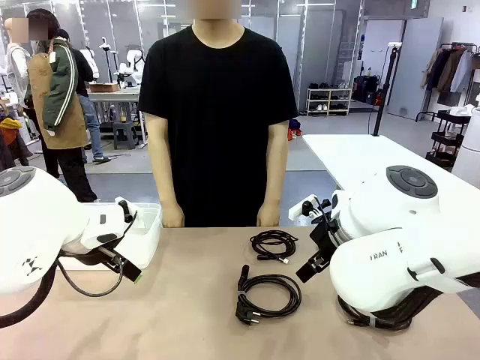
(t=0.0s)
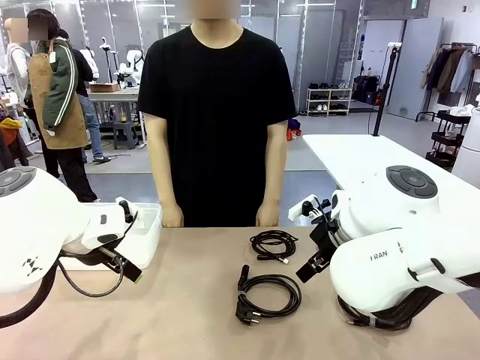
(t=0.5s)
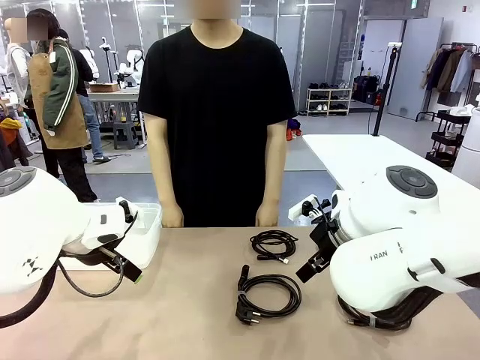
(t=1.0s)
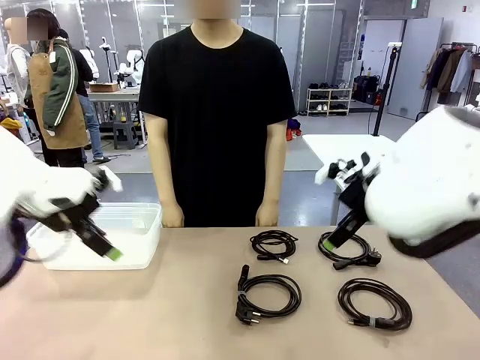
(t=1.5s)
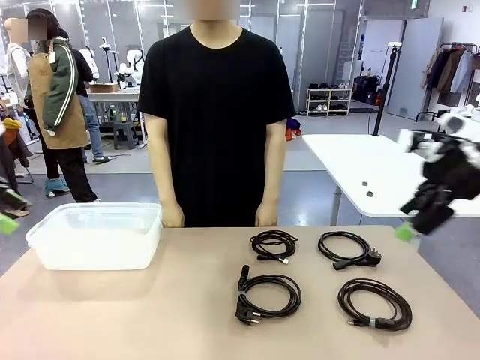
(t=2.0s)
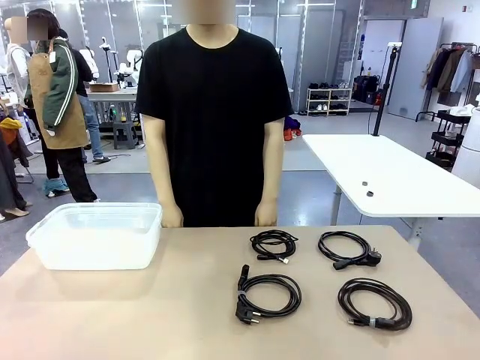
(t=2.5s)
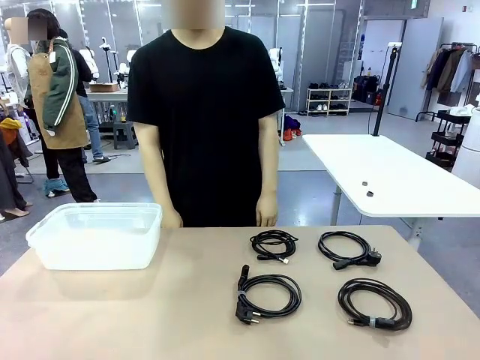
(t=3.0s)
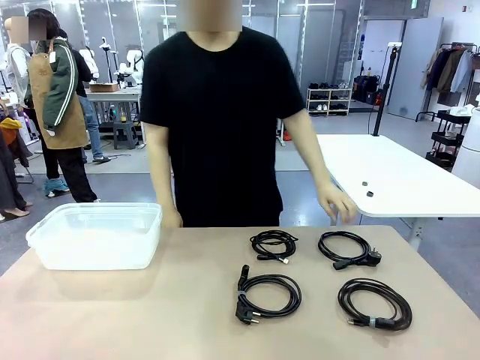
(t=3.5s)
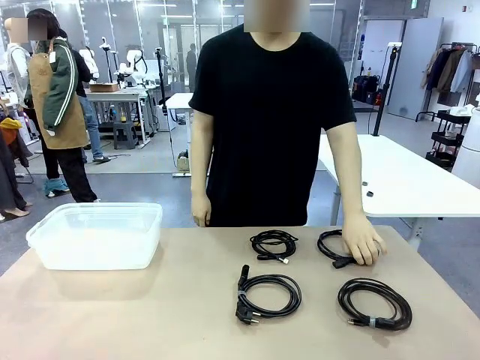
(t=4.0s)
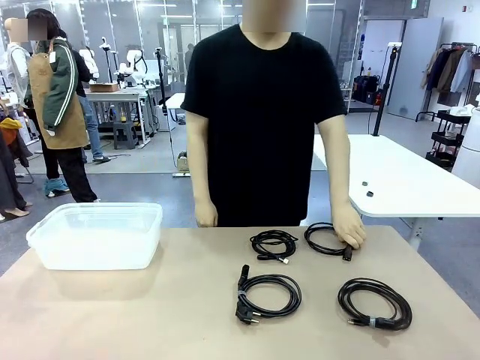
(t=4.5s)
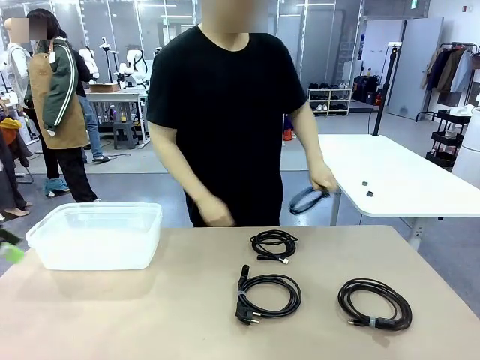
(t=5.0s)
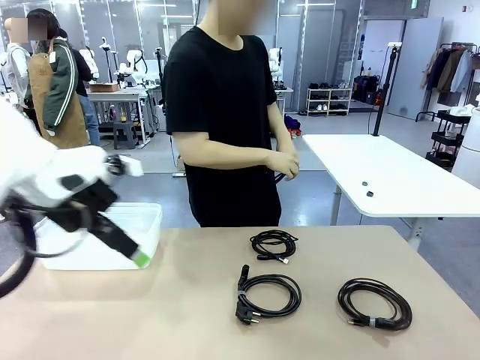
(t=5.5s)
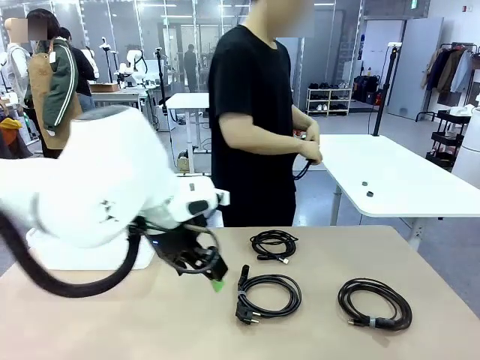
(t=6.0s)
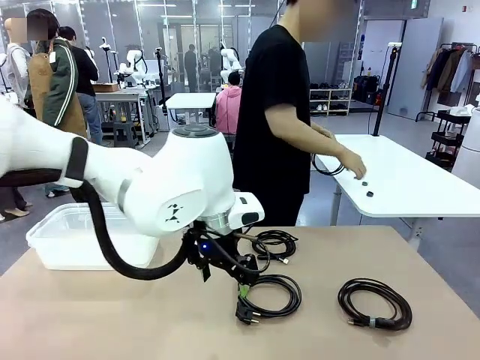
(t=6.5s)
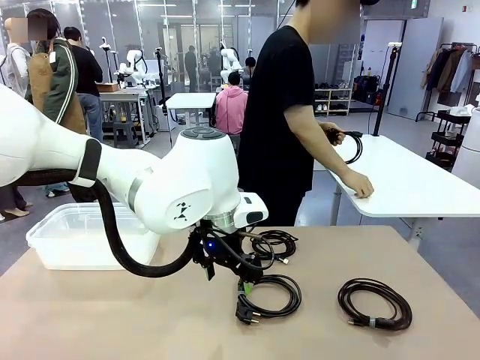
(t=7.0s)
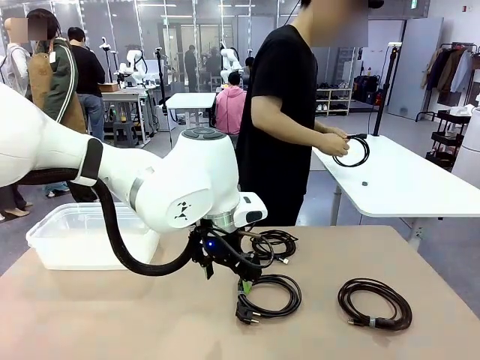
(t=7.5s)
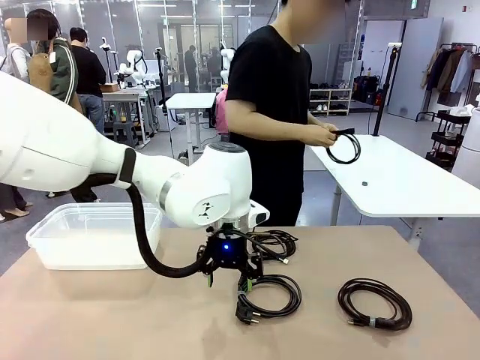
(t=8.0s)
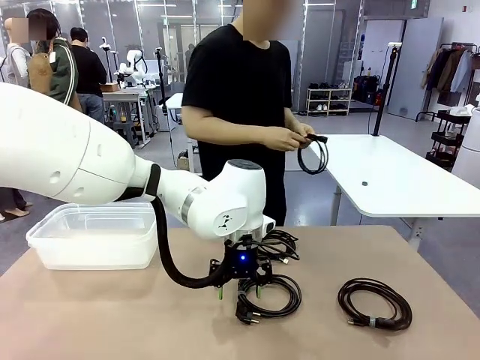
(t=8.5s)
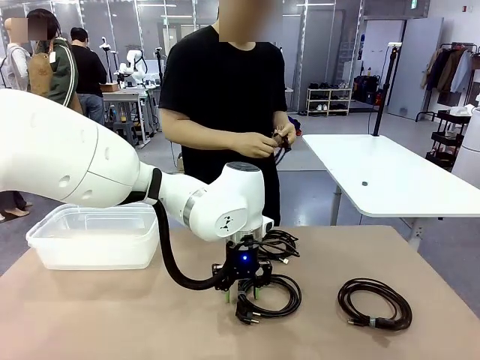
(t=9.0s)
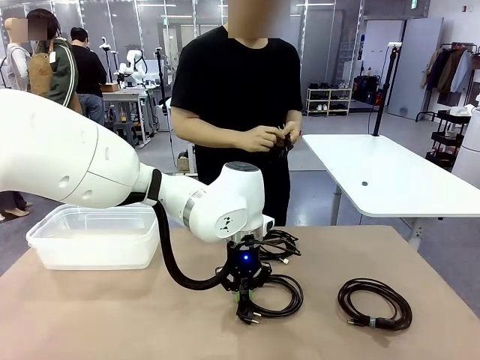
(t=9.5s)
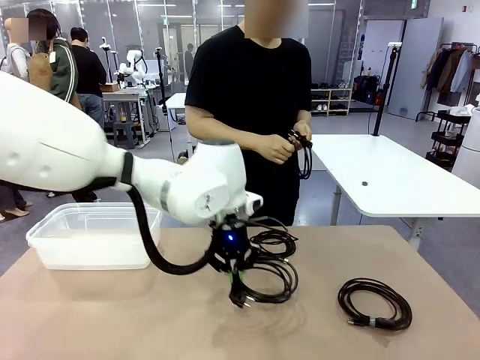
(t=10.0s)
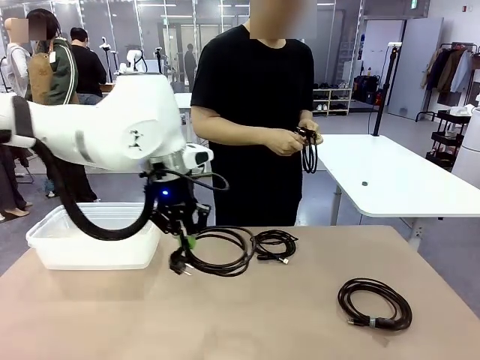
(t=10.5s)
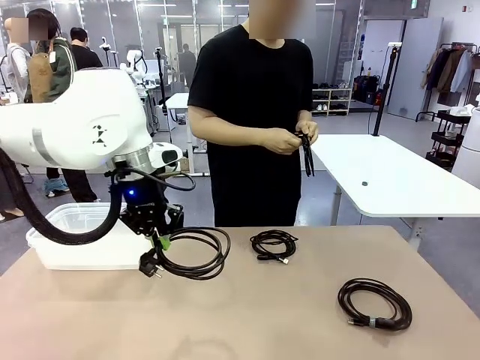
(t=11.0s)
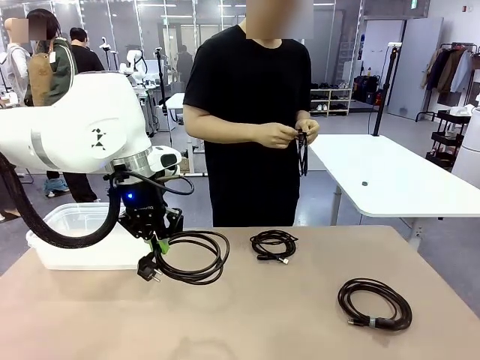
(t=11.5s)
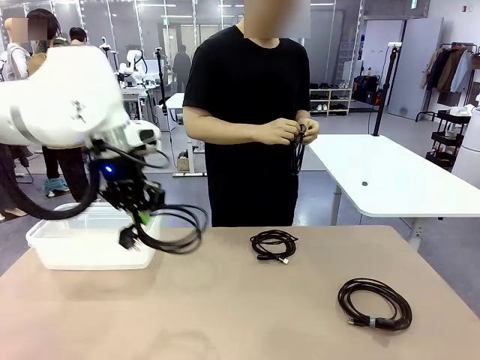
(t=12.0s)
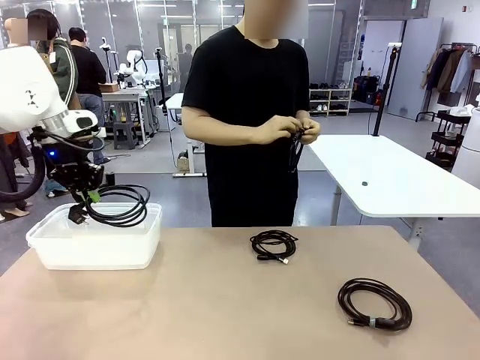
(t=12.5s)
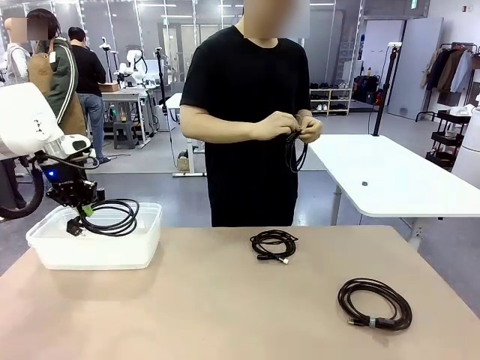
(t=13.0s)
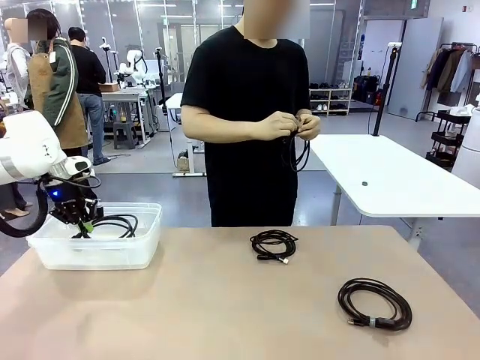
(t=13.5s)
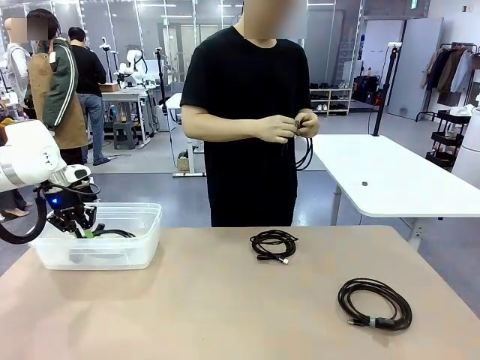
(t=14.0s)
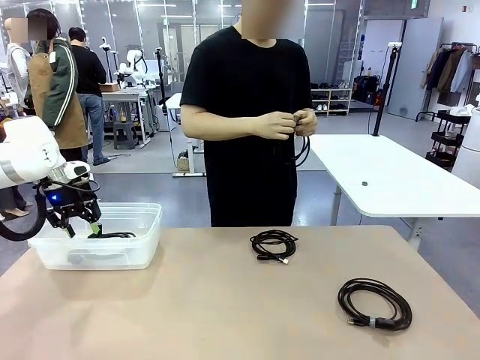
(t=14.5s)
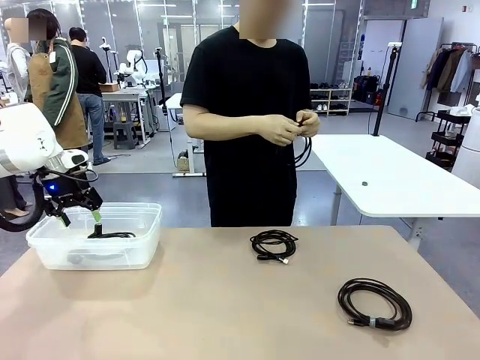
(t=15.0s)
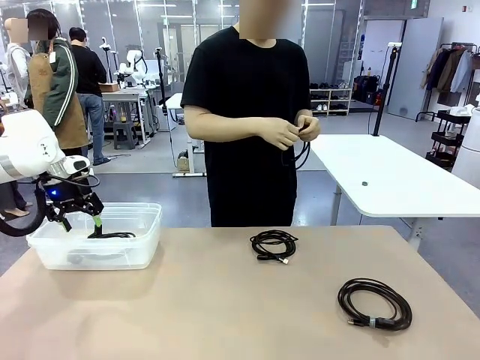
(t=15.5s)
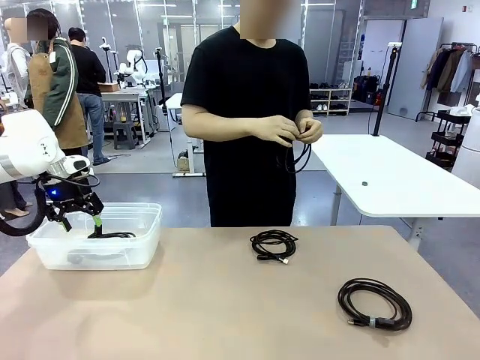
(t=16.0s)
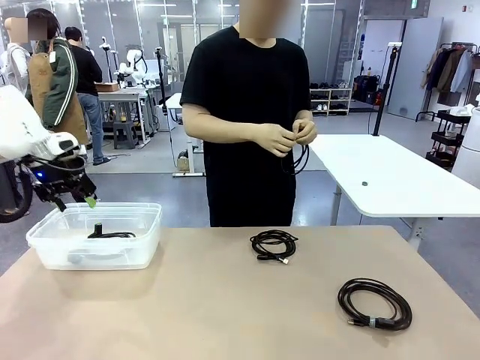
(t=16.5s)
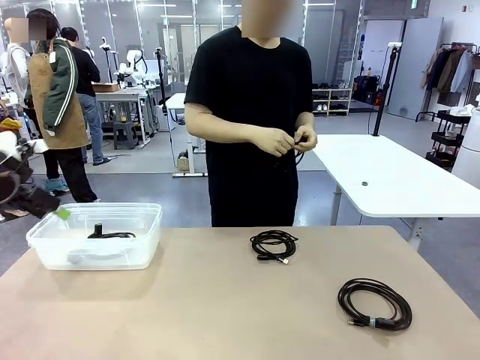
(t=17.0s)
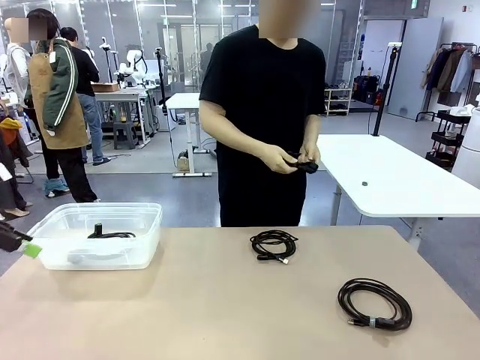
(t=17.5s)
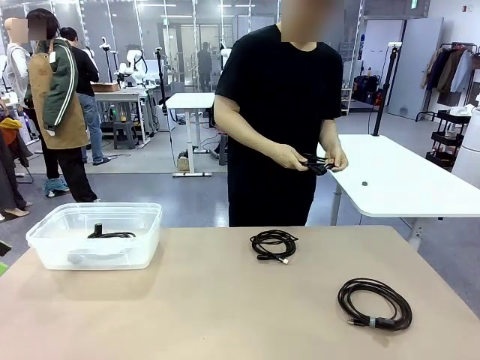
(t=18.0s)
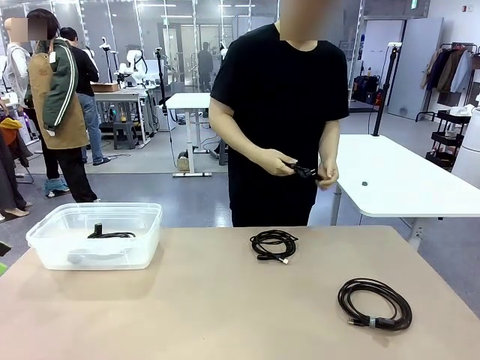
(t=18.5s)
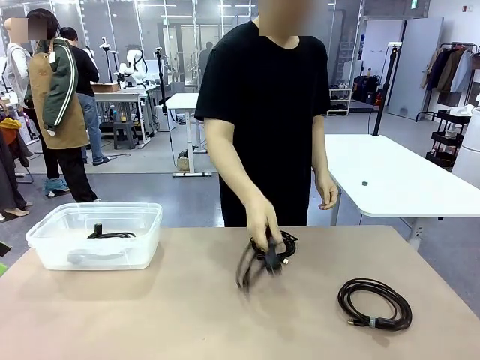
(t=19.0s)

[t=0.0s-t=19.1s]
Task: Organize and store the cables.
Robot: Place the Power Cable into the Organizing box.
Person: Tie one Power Cable with a Reusable Cable Tie.

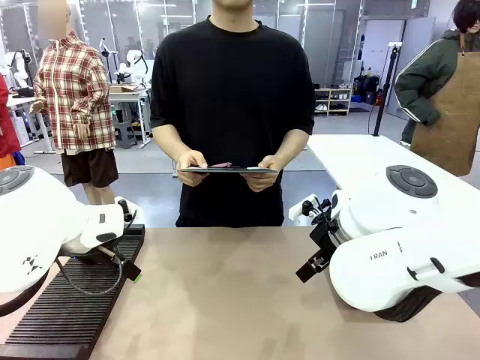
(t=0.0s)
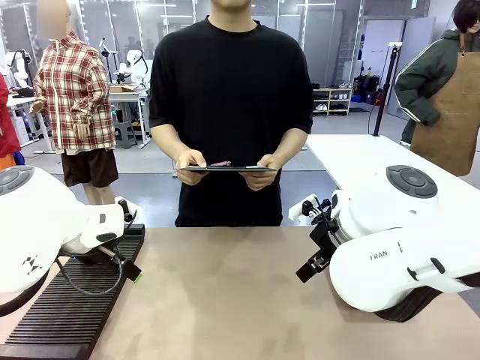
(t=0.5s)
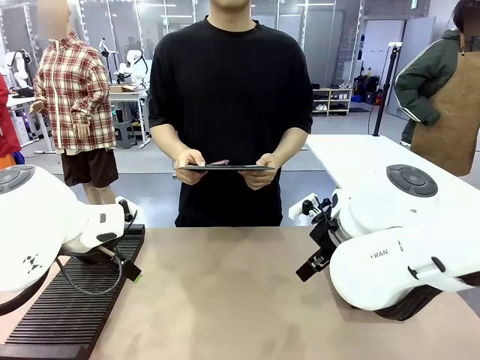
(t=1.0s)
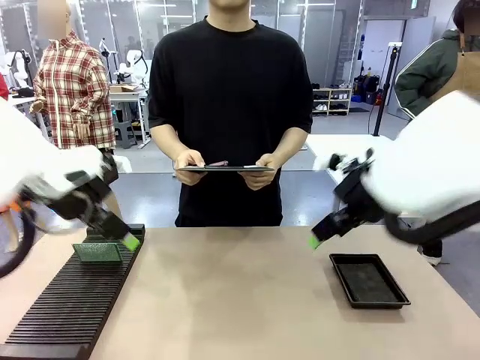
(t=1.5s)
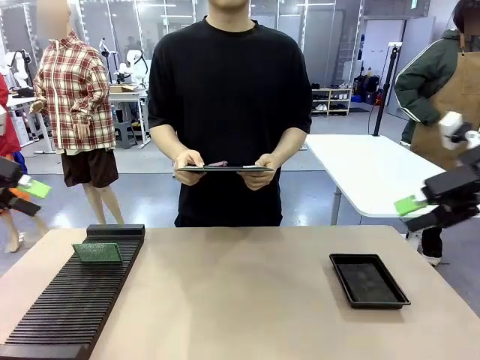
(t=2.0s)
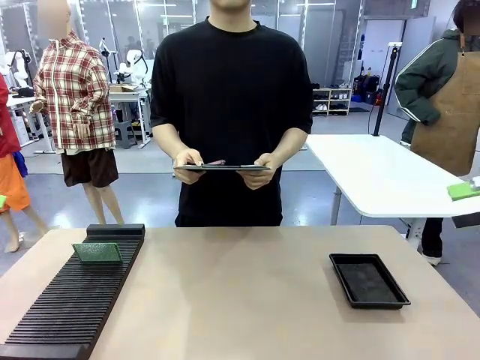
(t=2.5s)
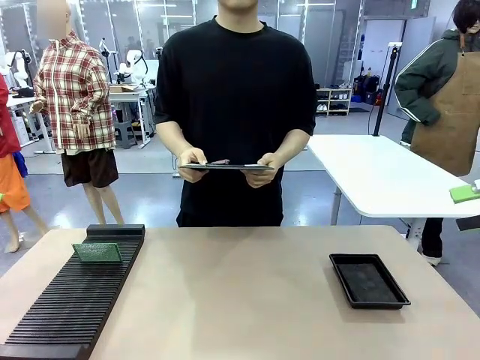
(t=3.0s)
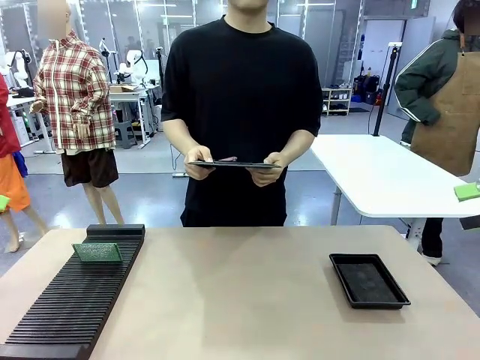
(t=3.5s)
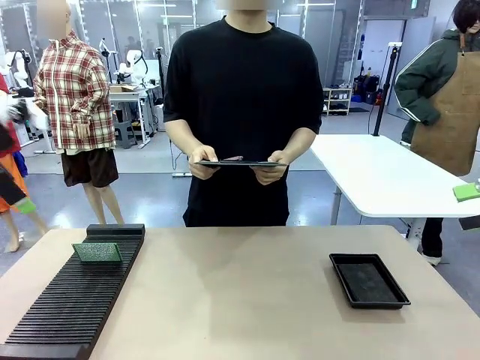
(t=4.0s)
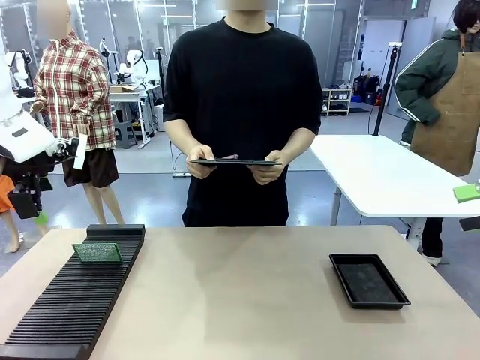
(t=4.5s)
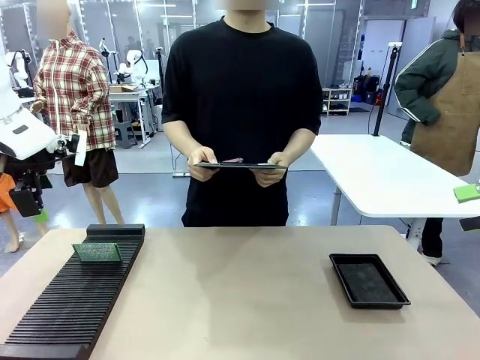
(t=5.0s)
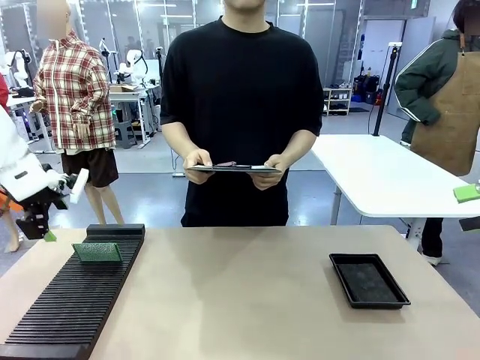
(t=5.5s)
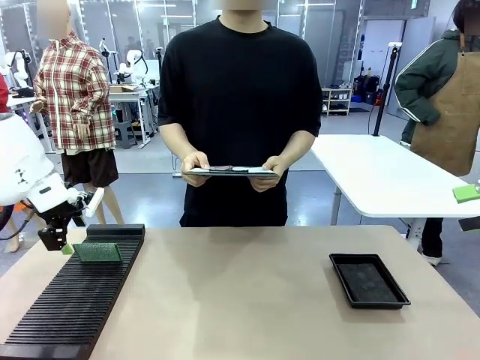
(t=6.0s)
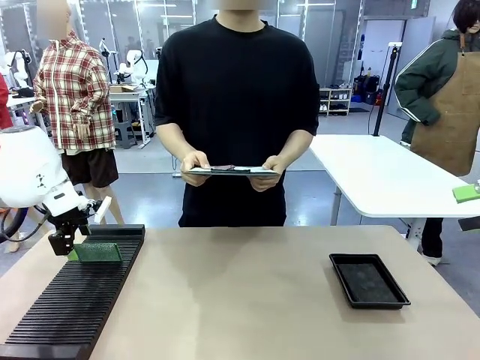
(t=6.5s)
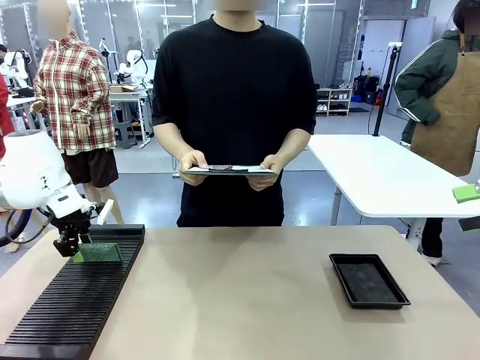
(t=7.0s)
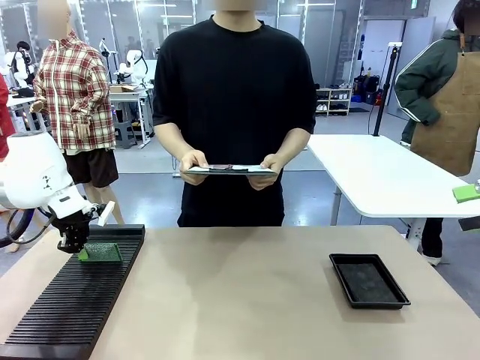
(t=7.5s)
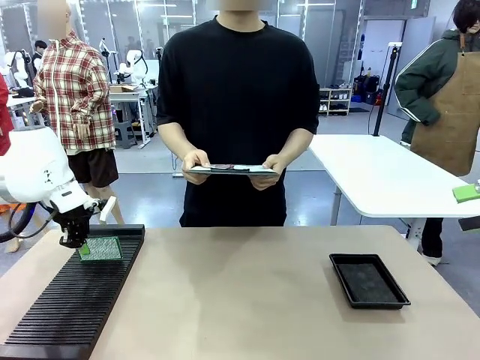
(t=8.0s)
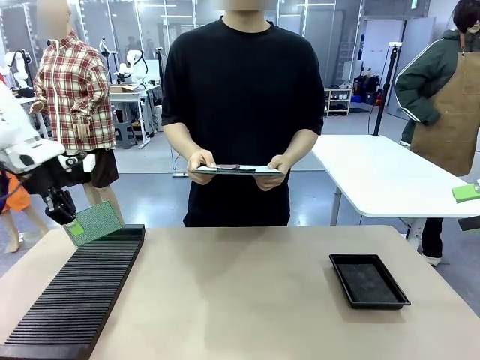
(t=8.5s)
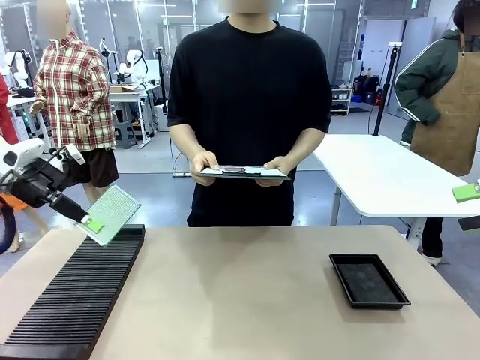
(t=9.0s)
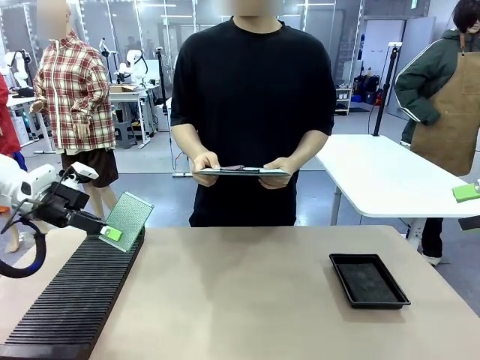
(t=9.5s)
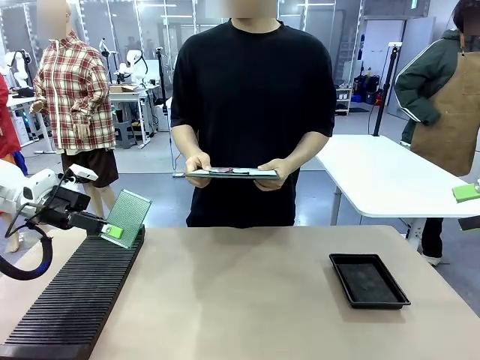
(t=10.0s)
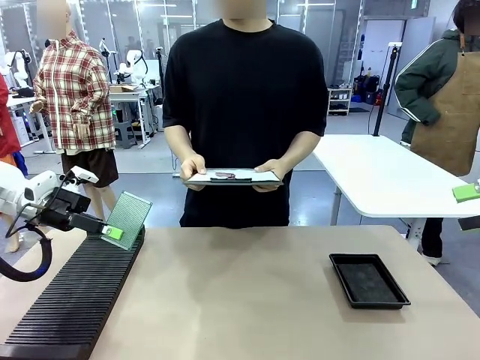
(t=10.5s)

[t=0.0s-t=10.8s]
Task: Inspect the PCB.
Robot: Pick up the Blank PCB and present it to the human.
Person: Pick up the PCB presented by the robot.
